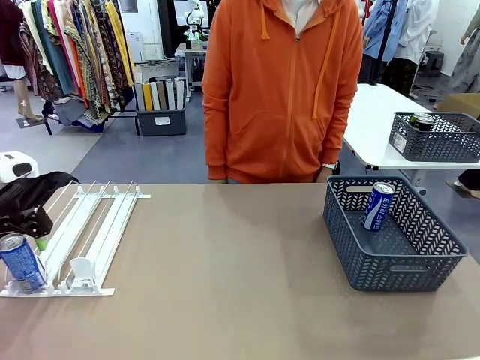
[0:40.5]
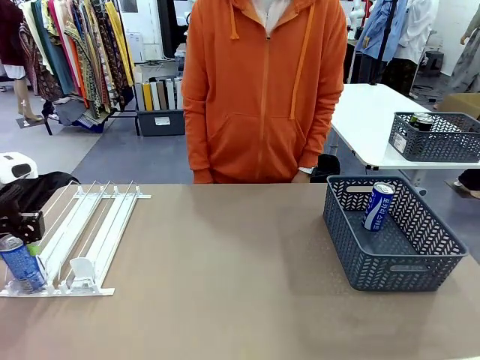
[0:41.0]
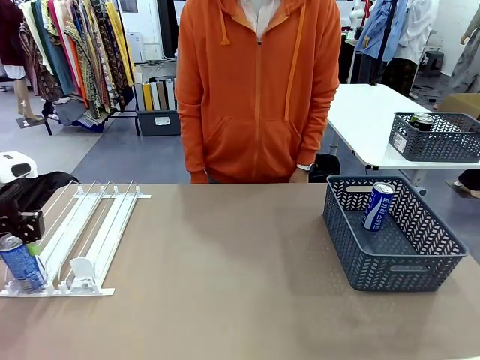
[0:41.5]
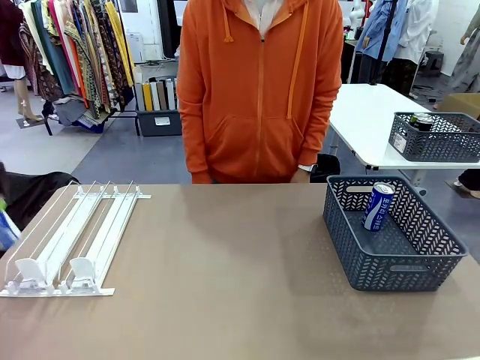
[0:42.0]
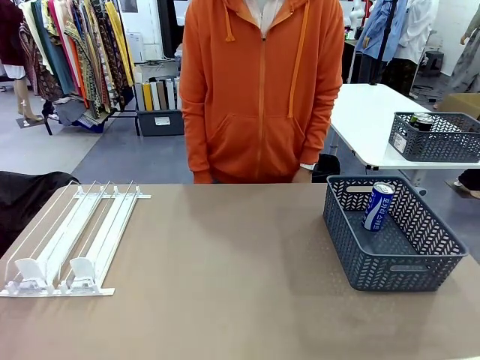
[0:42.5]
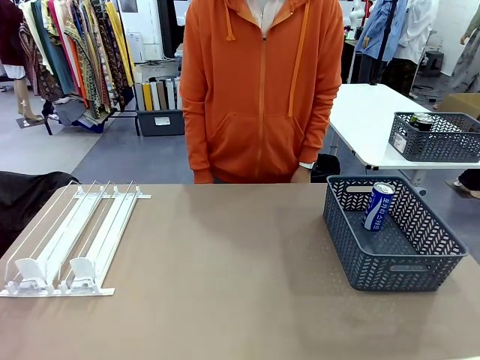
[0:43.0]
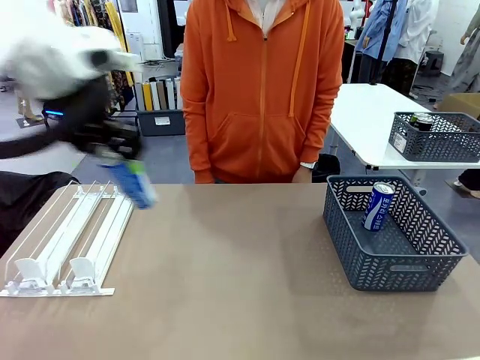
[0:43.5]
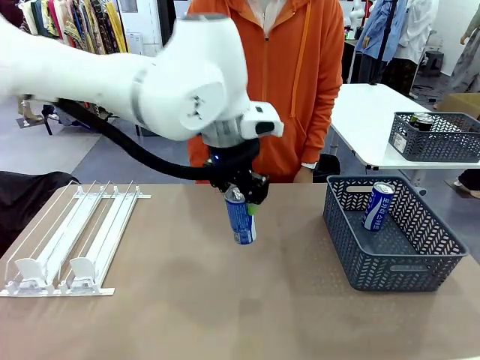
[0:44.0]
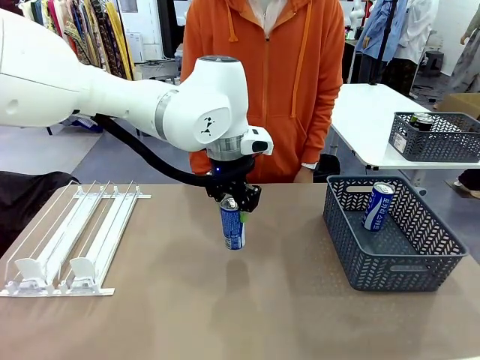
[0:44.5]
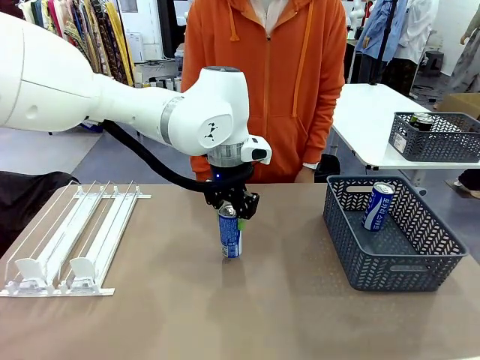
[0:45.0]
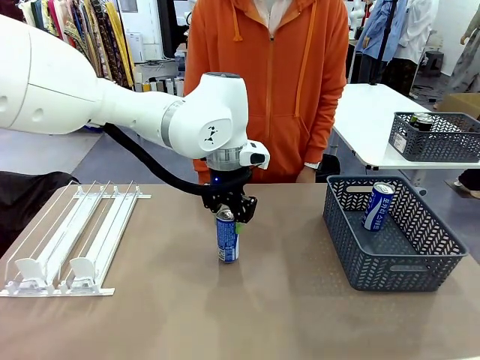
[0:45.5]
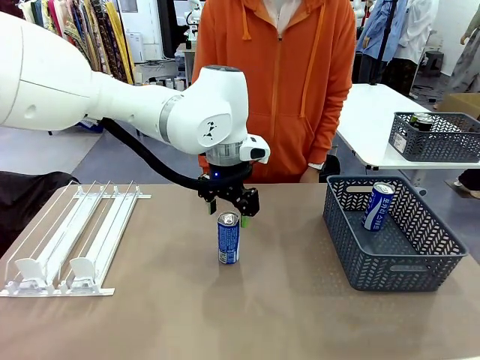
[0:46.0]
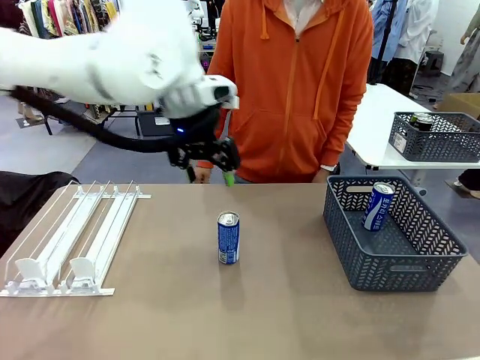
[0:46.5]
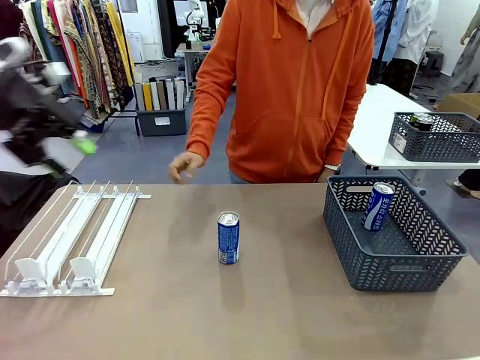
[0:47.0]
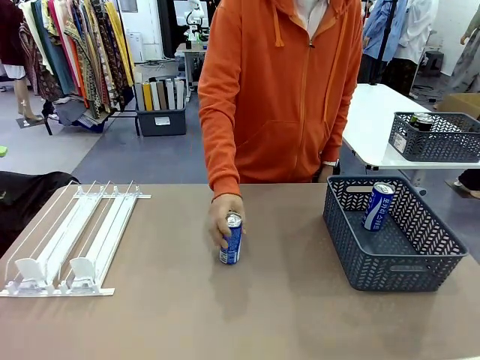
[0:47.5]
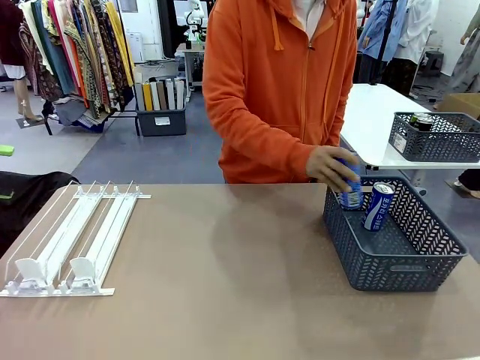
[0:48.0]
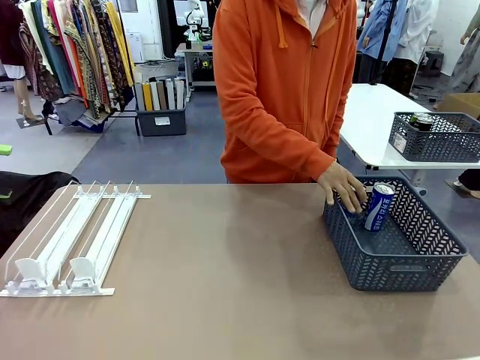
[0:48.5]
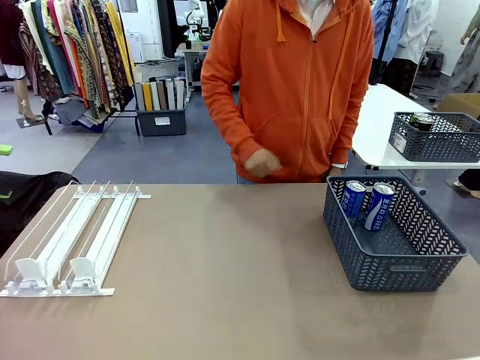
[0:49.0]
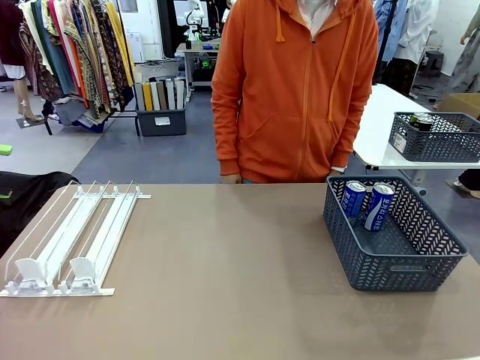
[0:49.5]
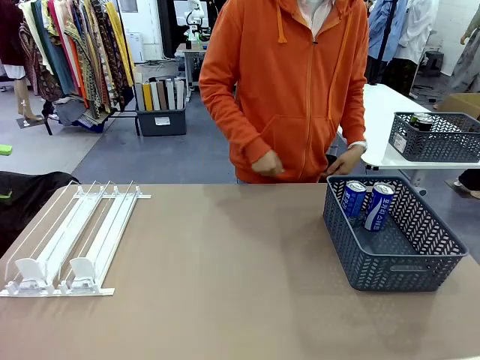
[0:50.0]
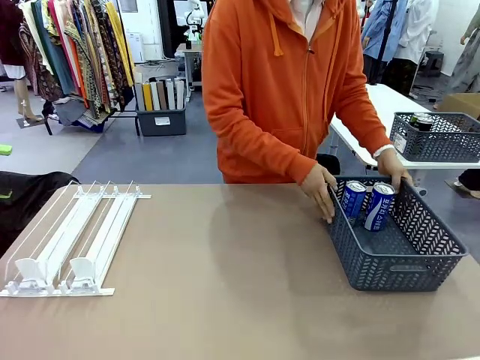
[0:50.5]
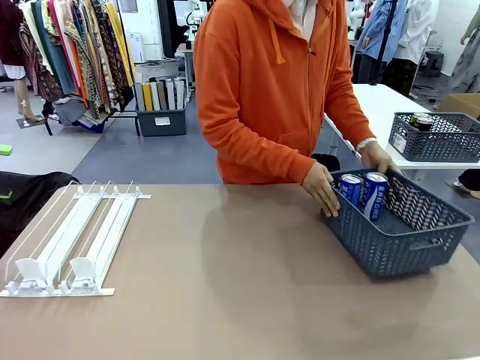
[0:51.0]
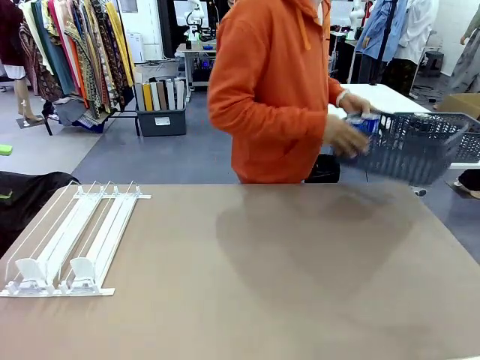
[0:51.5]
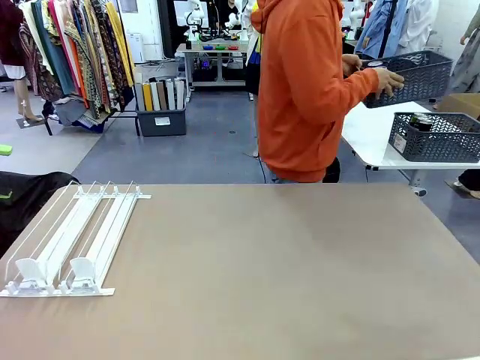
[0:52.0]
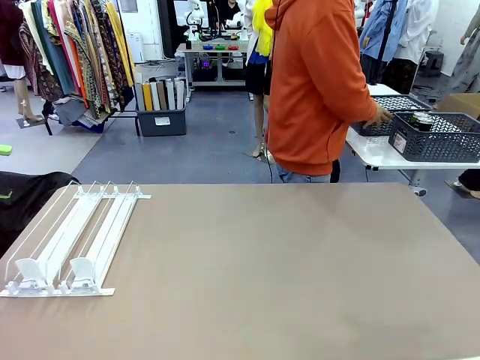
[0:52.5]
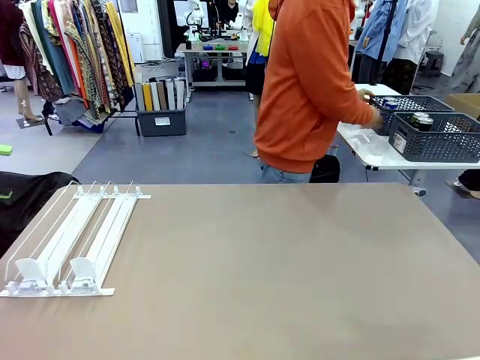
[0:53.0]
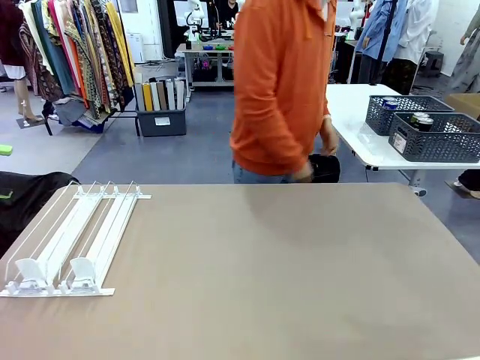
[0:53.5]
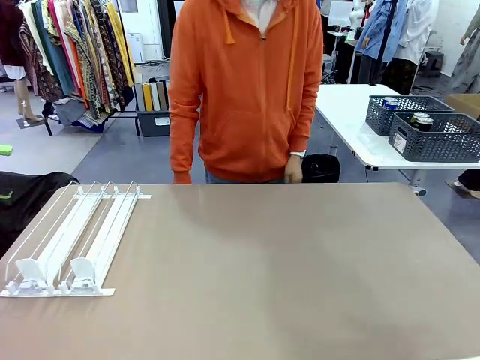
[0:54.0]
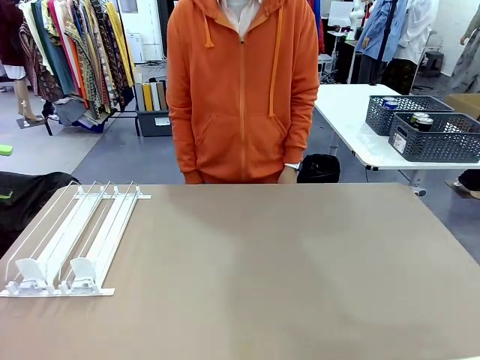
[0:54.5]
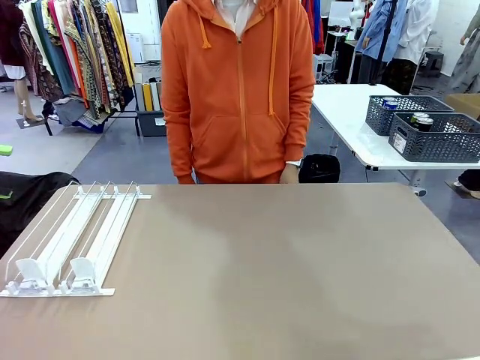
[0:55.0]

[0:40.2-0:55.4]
Task: Retrieve and store the cans from the dispenser.
Robot: Pick up one can from the Automatic Can Dispenser and place it in the middle of the table.
Person: Pick up one sports drink can from the middle of the robot table and place it in the basket. Pick up the basket and place it in the middle of the human table.

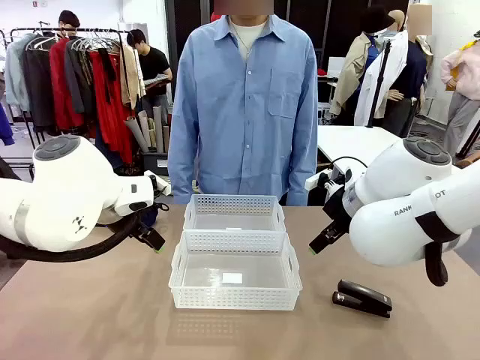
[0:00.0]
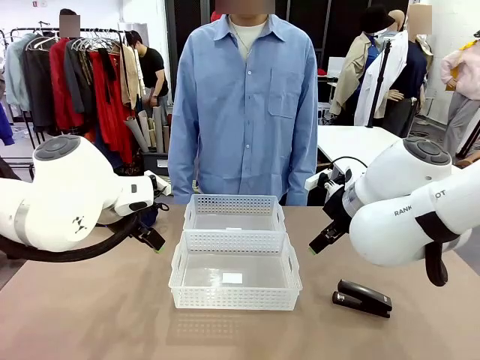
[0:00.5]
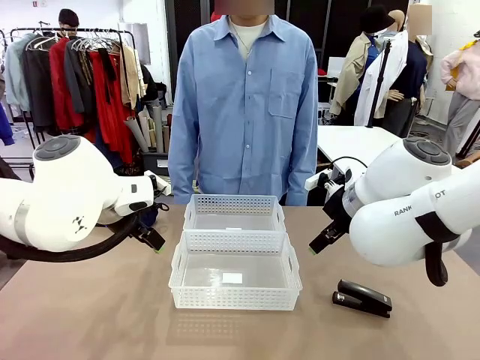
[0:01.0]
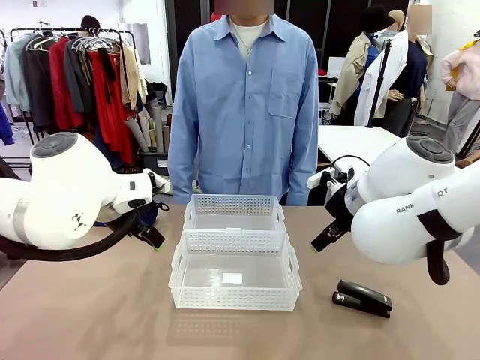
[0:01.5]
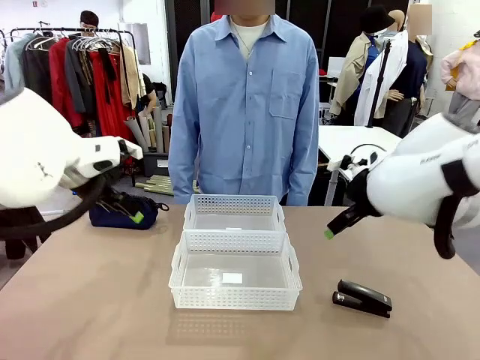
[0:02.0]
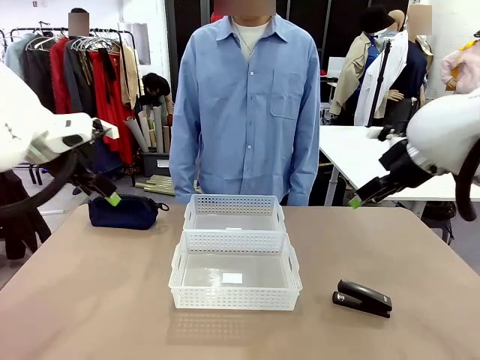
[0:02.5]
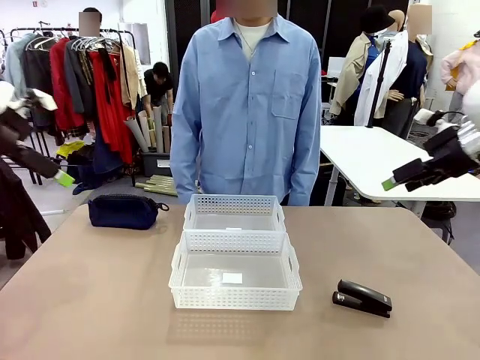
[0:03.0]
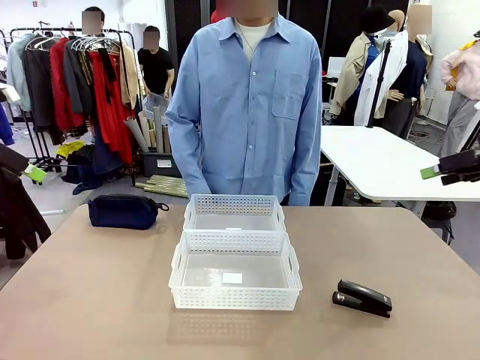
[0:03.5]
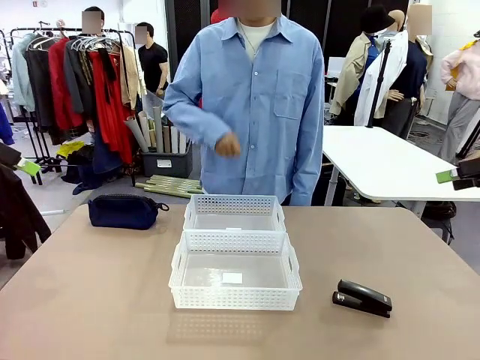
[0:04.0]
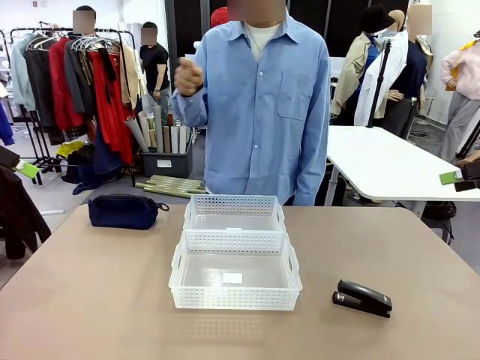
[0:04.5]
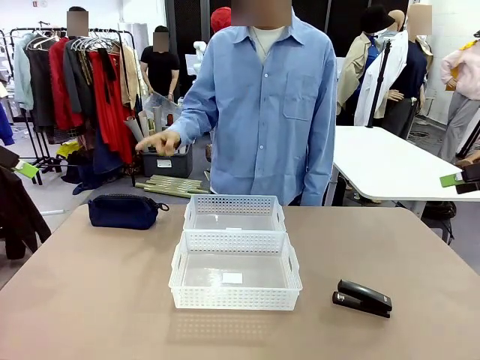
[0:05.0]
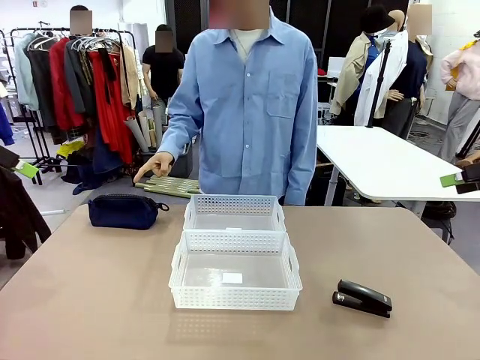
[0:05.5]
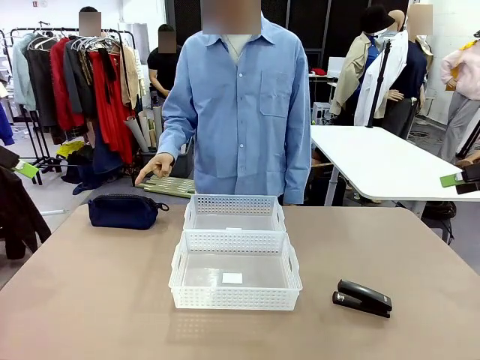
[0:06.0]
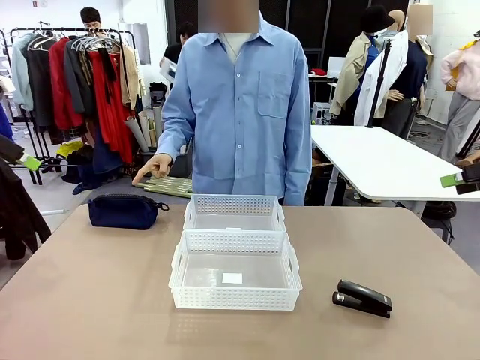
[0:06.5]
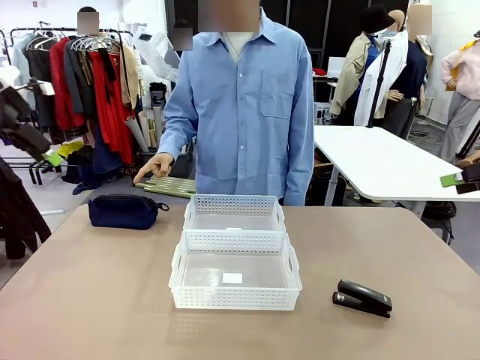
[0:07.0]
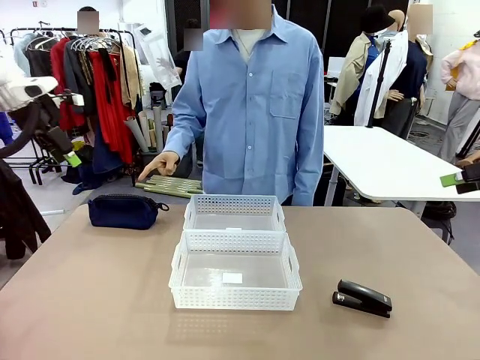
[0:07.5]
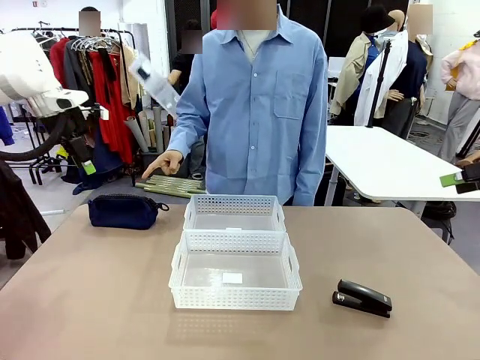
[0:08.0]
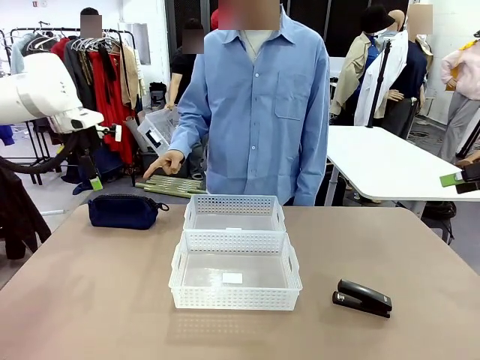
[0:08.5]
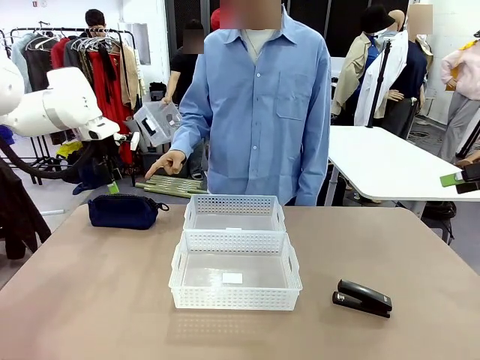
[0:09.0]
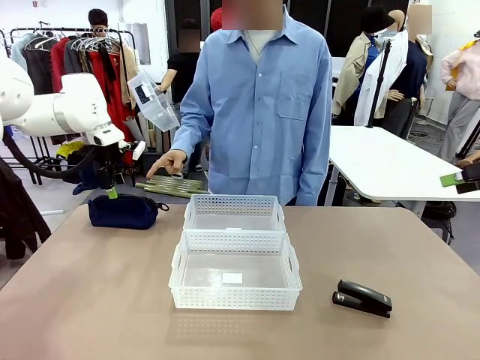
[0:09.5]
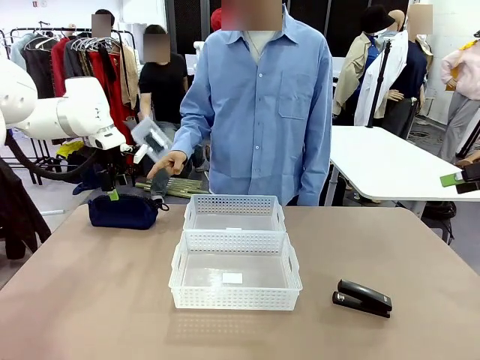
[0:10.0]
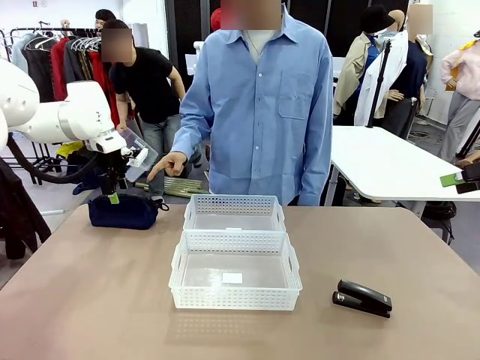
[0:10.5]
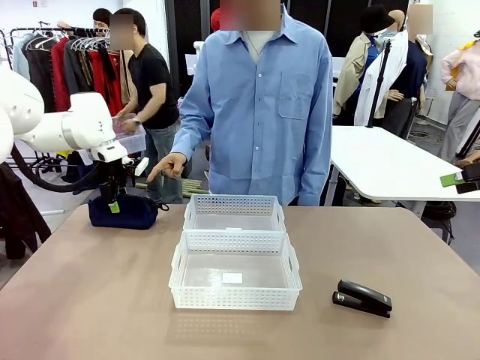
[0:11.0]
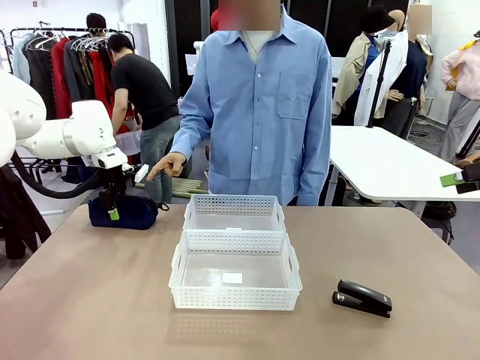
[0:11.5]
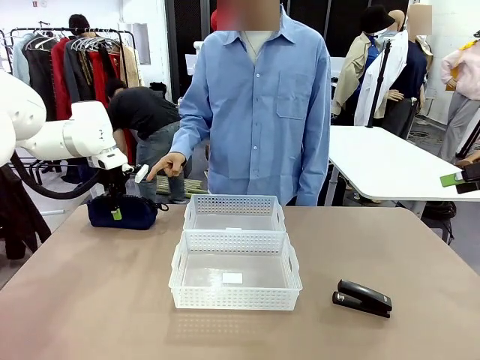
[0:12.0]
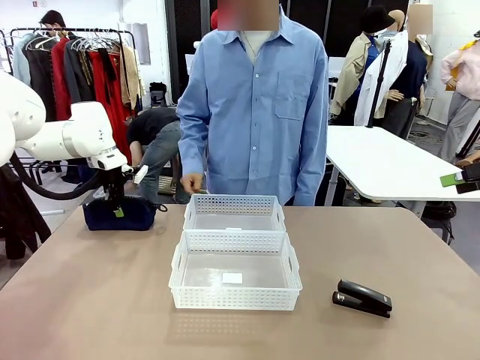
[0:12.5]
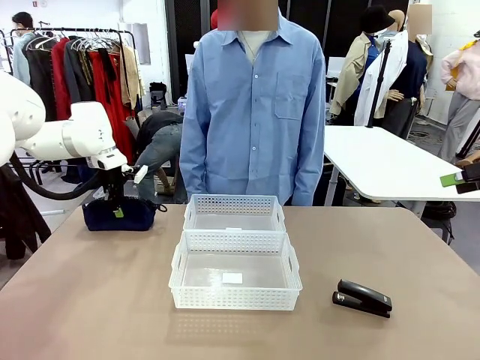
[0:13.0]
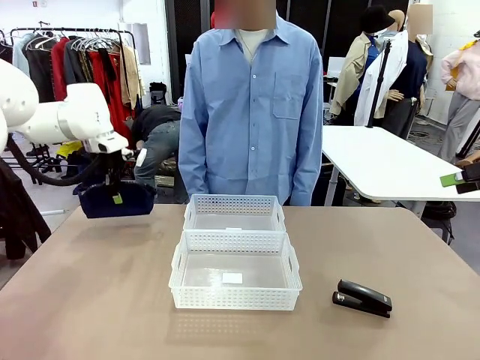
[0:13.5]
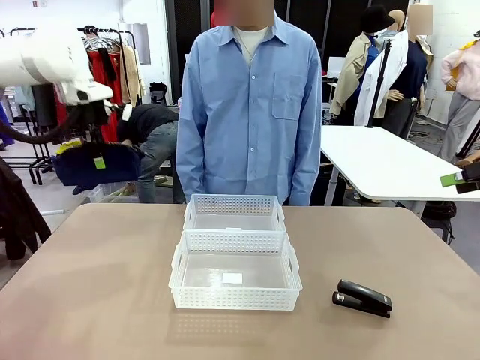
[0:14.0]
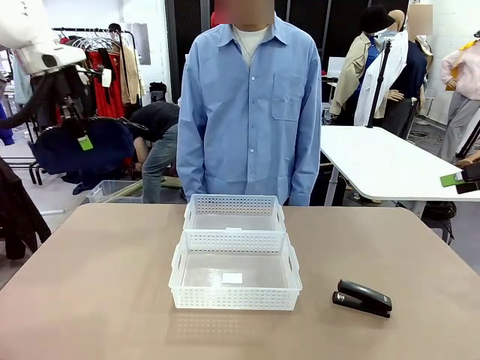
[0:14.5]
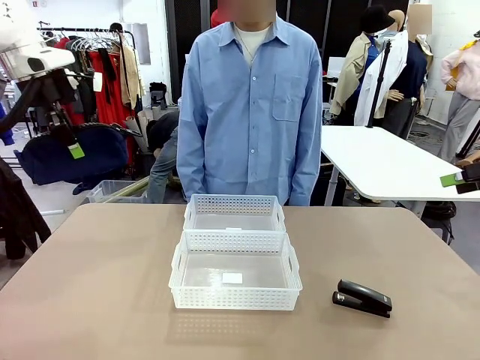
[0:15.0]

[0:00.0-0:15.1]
Task: Distribute items into two baskets.
Robot: Pick up the Pencil pouch that the person points to.
Person: Points to the pencil case. Points between the two organizing baskets and instructs the robot to move the pencil case.
